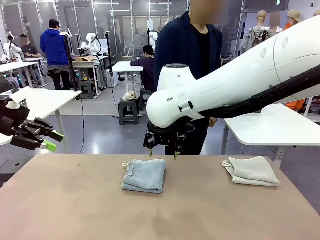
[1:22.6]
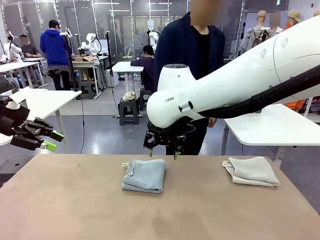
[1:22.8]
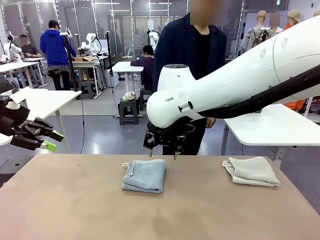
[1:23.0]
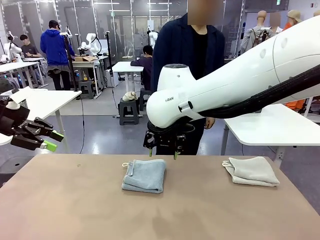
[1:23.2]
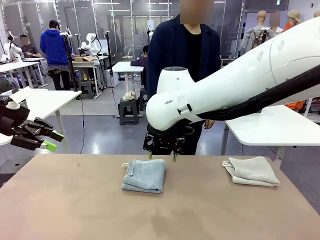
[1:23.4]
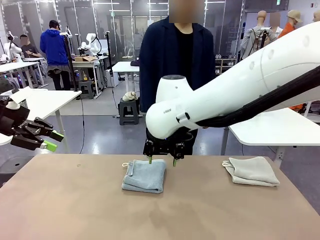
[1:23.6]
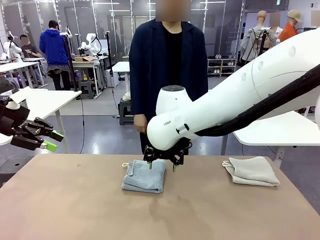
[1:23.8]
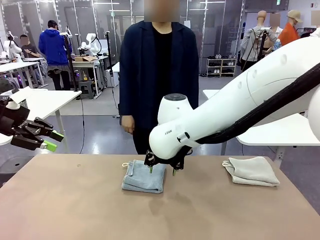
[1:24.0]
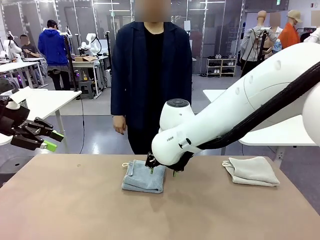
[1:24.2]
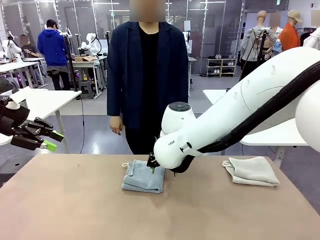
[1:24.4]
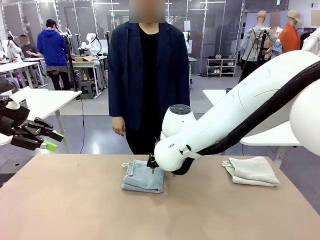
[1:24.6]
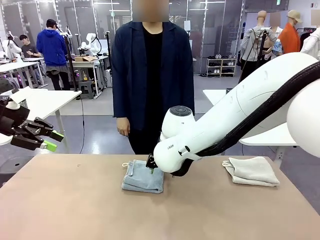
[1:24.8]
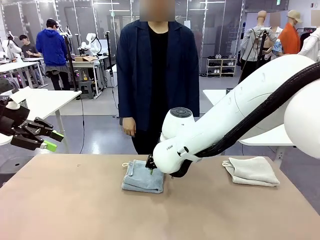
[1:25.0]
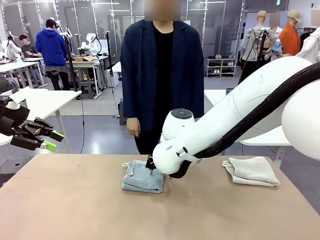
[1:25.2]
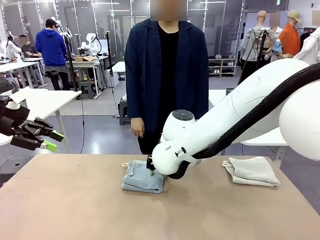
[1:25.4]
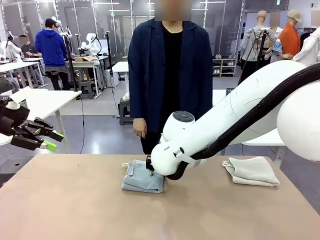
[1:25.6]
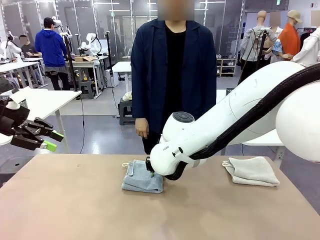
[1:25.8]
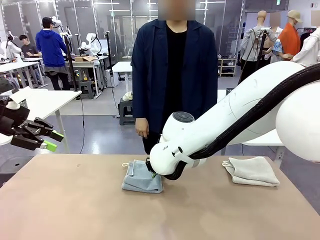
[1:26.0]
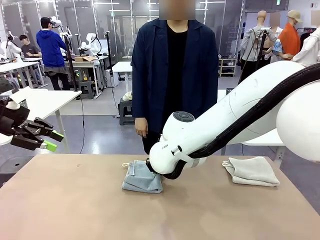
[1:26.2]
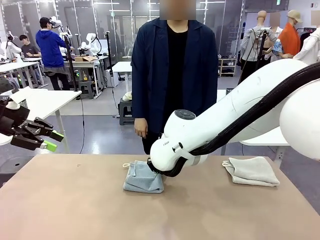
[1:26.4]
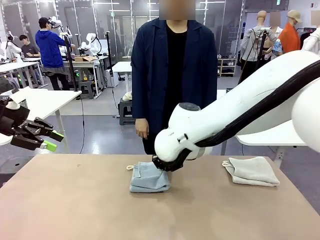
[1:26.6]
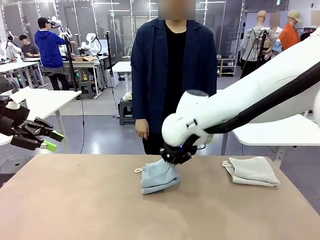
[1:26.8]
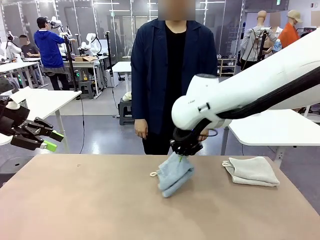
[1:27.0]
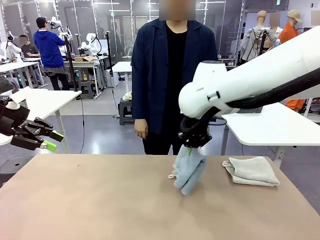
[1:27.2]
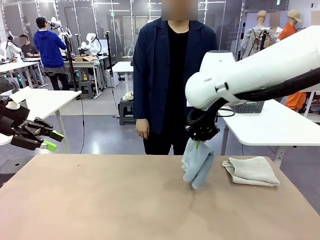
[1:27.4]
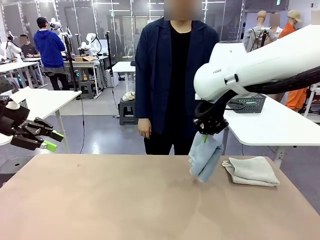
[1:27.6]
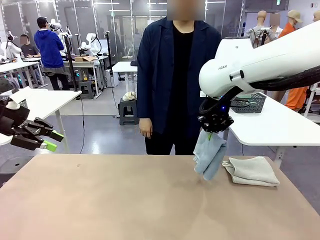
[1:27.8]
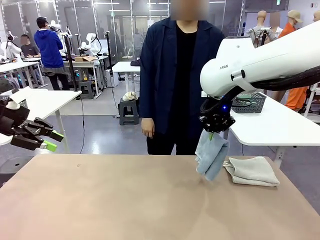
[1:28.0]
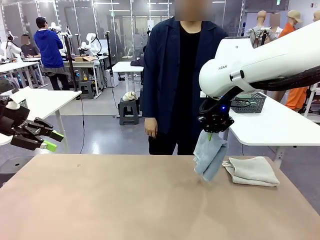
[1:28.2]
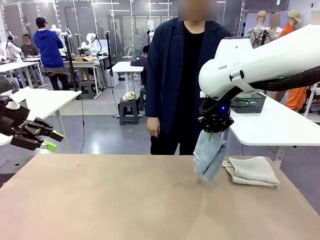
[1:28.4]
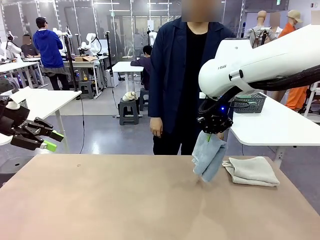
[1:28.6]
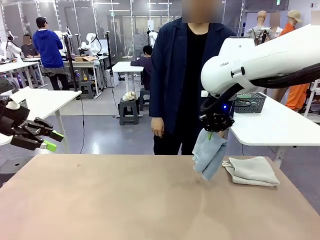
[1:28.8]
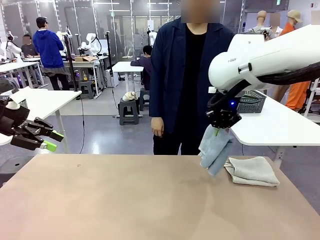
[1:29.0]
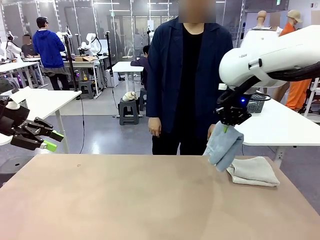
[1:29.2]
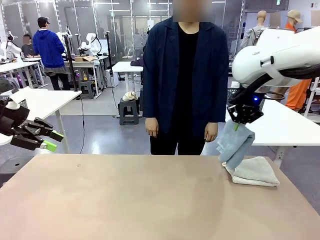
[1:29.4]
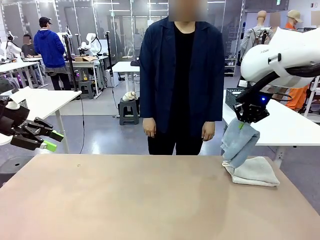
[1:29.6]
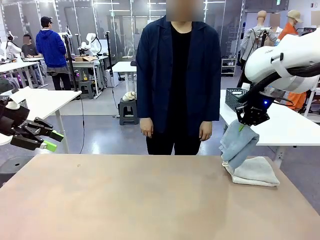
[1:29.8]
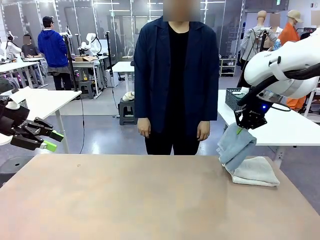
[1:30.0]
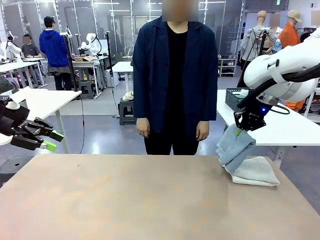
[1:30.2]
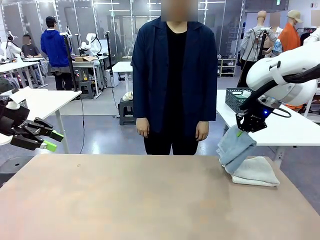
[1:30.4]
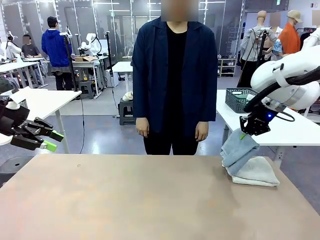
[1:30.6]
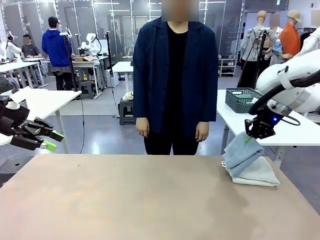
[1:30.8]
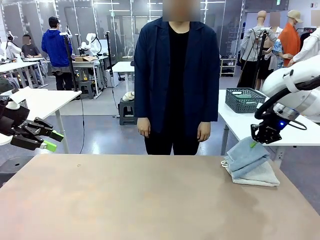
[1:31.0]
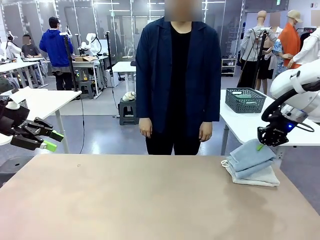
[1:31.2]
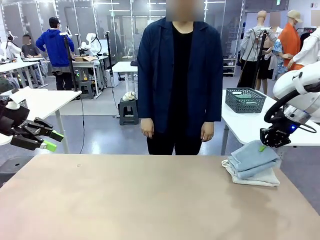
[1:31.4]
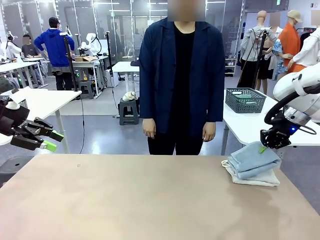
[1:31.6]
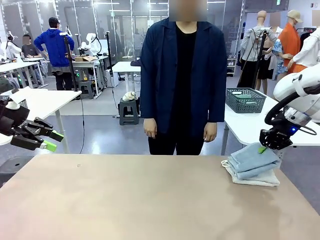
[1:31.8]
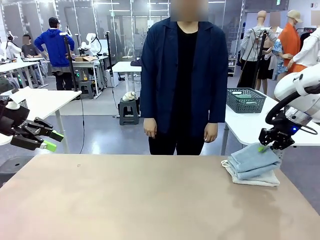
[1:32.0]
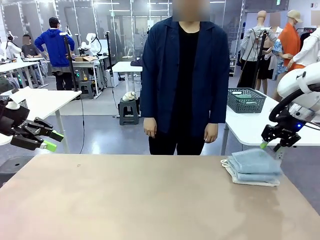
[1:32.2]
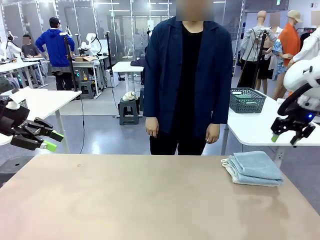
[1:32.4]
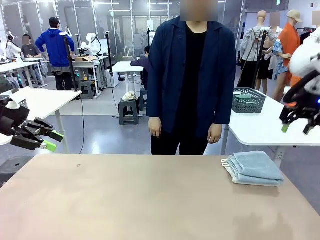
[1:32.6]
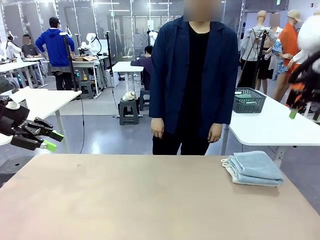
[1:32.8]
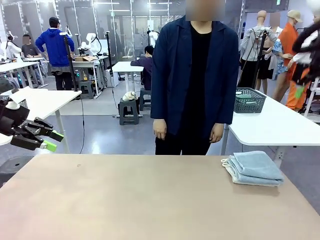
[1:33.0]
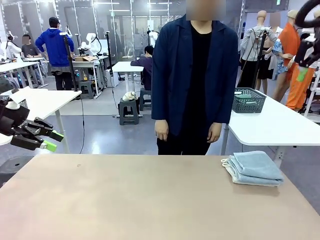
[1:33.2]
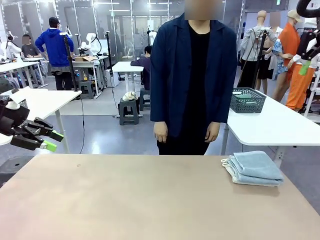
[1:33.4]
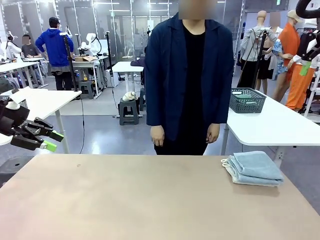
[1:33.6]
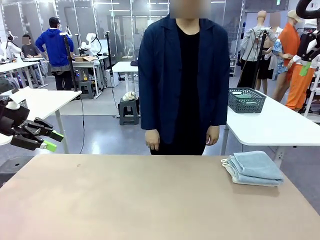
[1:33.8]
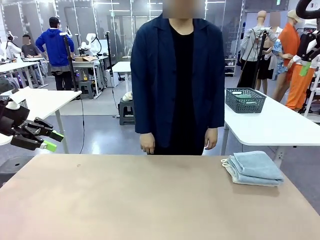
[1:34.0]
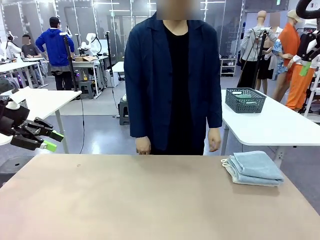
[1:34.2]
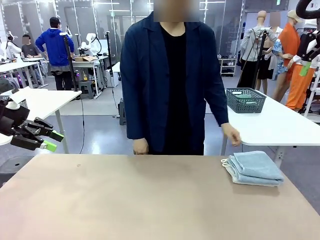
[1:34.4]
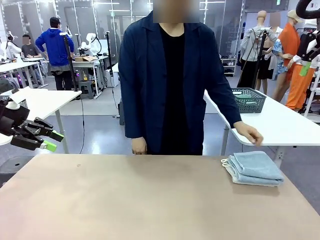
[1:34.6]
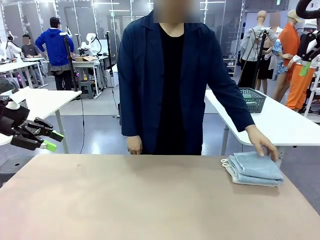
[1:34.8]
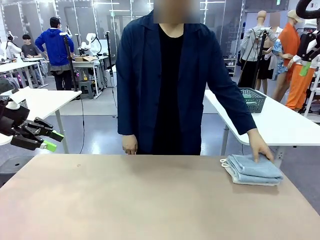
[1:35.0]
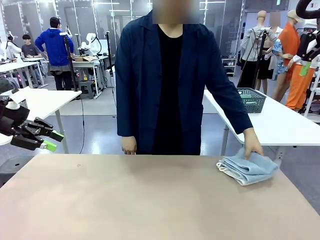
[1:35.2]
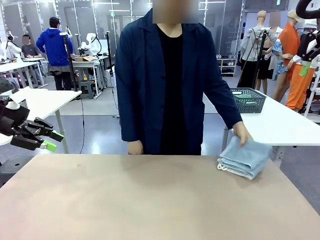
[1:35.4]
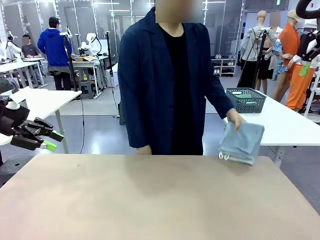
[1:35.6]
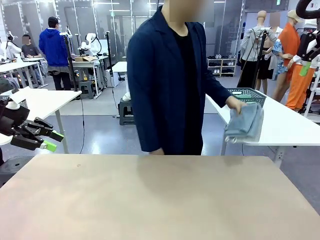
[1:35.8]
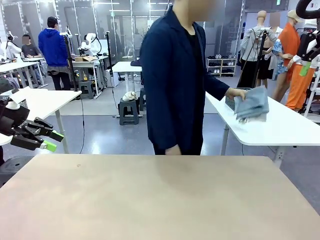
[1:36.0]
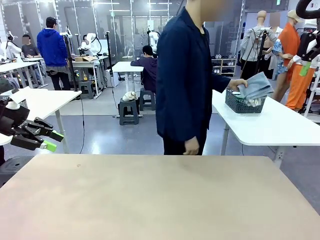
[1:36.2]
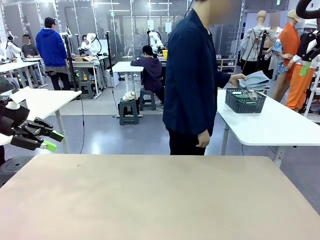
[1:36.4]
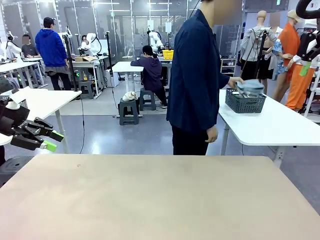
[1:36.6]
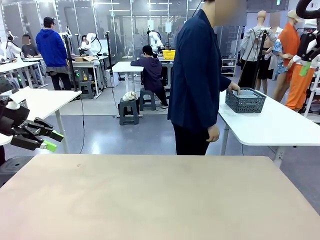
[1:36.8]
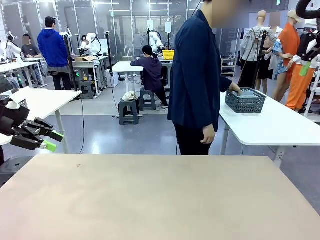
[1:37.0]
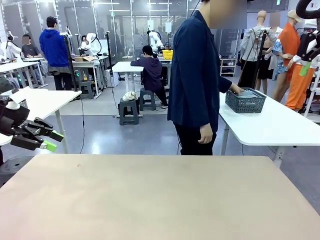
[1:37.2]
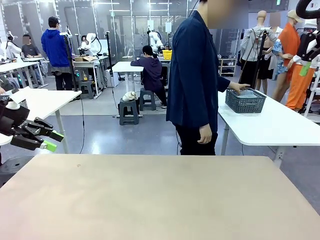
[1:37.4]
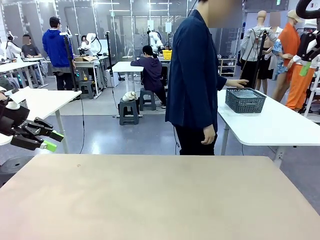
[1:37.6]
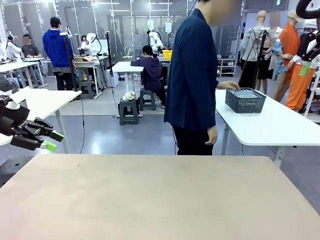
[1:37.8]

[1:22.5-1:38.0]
Task: Fold the towels and place them in the basket.
Robot: Stack the folded Towel with hook on the right side of the table.
Person: Pick up the stack of towels from the robot table and place it into the basket.
